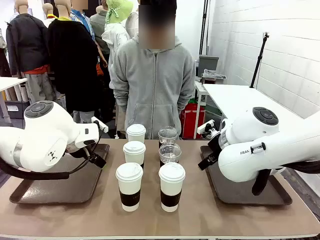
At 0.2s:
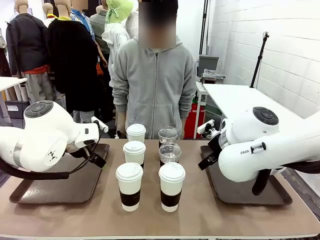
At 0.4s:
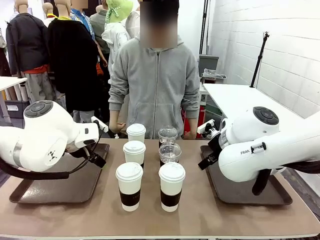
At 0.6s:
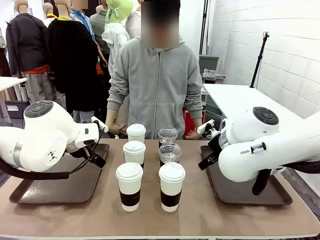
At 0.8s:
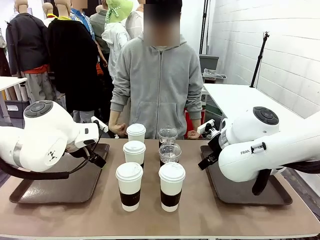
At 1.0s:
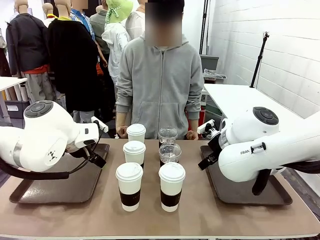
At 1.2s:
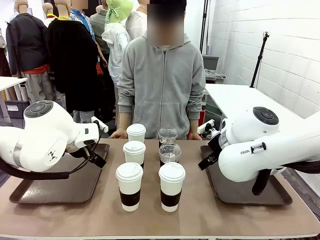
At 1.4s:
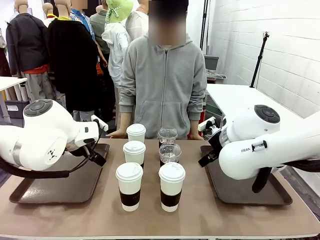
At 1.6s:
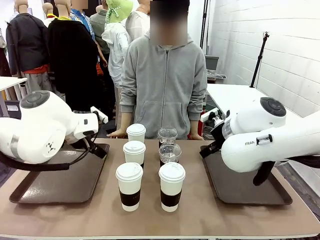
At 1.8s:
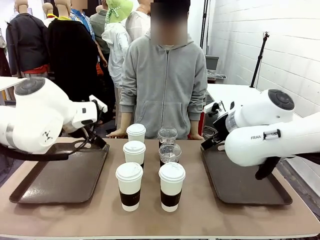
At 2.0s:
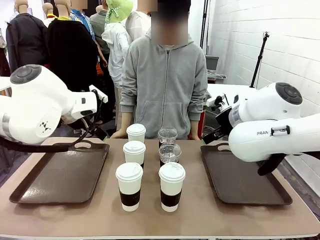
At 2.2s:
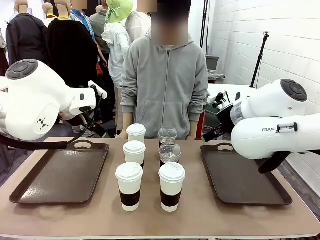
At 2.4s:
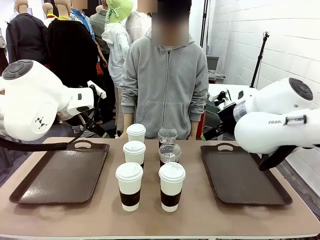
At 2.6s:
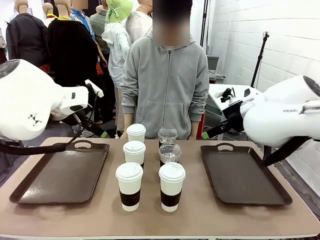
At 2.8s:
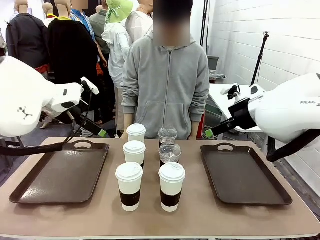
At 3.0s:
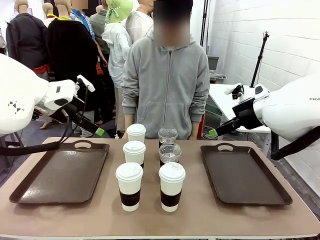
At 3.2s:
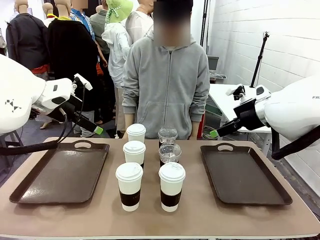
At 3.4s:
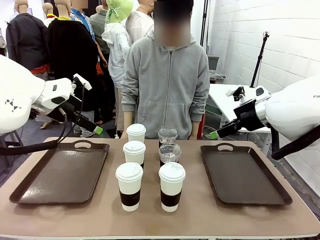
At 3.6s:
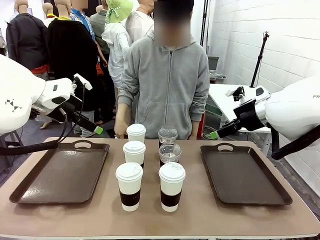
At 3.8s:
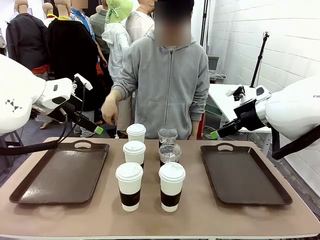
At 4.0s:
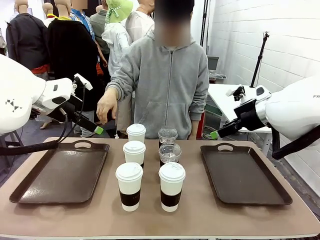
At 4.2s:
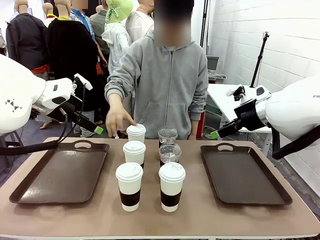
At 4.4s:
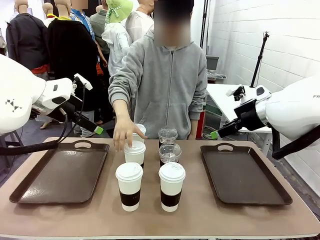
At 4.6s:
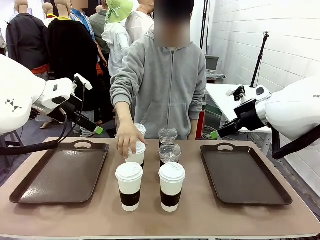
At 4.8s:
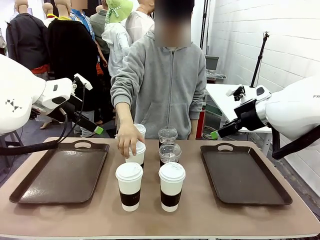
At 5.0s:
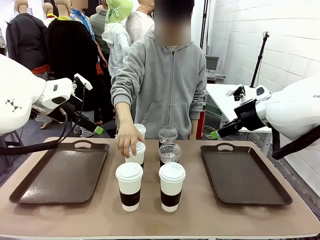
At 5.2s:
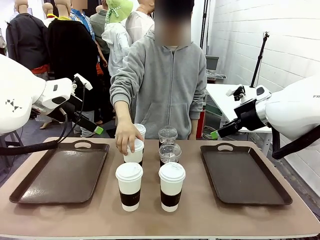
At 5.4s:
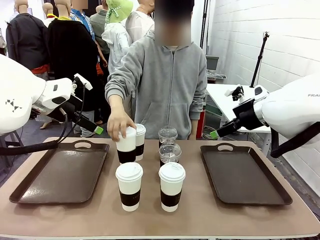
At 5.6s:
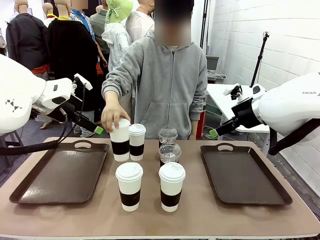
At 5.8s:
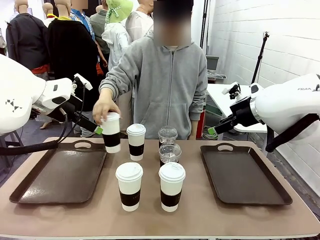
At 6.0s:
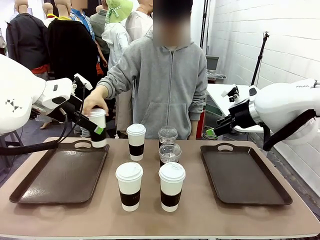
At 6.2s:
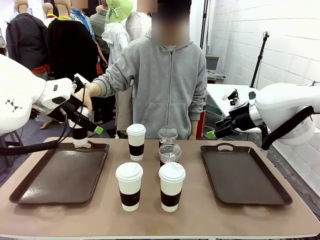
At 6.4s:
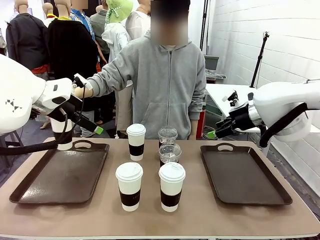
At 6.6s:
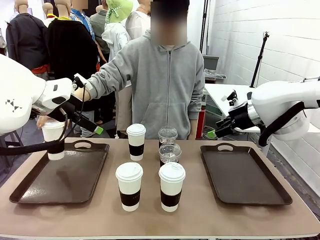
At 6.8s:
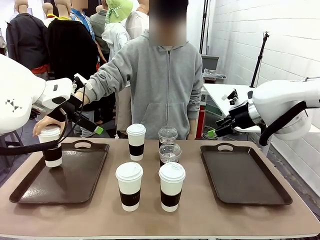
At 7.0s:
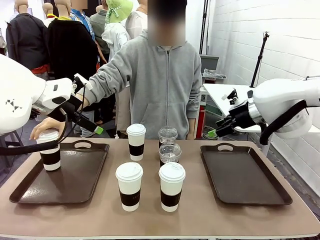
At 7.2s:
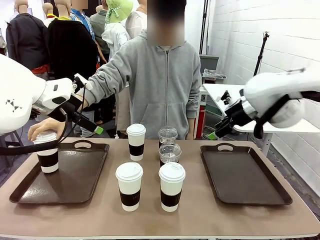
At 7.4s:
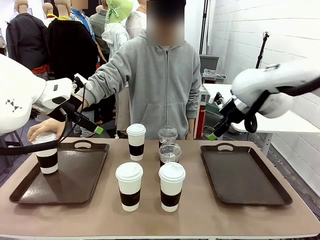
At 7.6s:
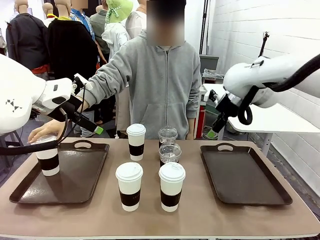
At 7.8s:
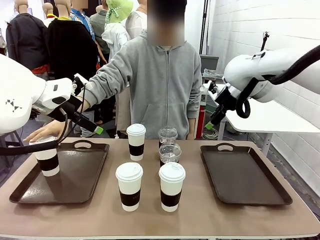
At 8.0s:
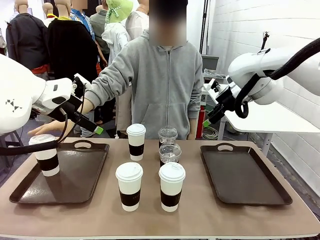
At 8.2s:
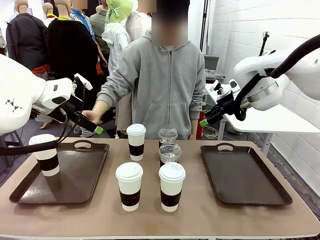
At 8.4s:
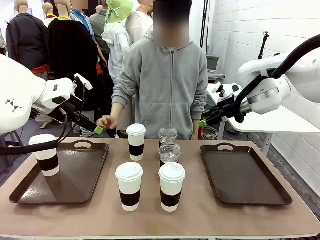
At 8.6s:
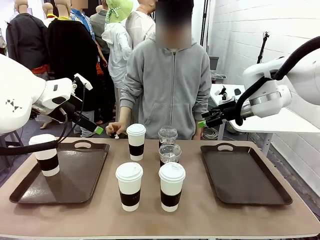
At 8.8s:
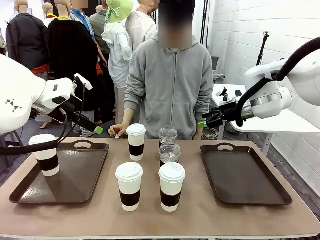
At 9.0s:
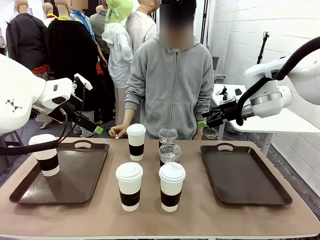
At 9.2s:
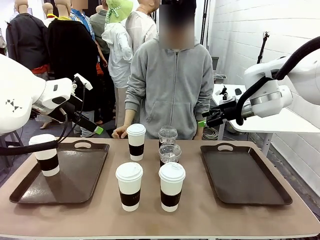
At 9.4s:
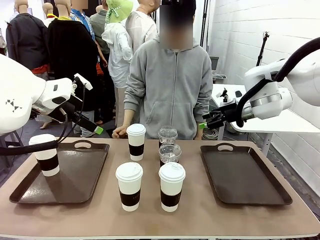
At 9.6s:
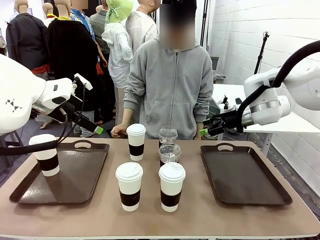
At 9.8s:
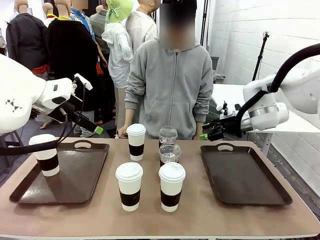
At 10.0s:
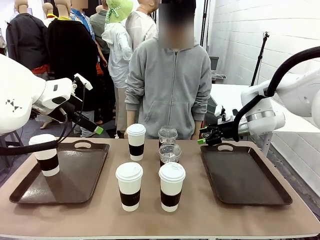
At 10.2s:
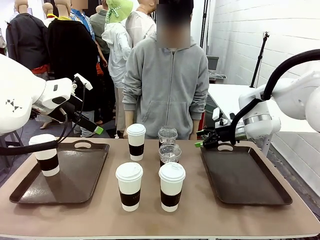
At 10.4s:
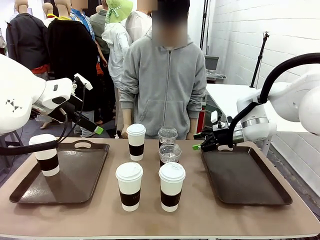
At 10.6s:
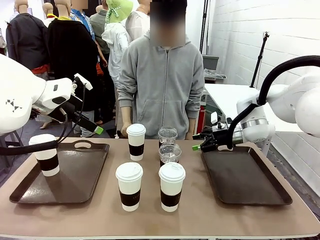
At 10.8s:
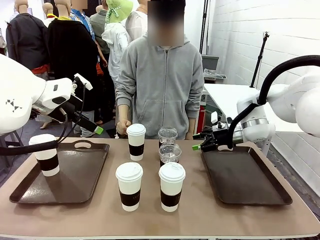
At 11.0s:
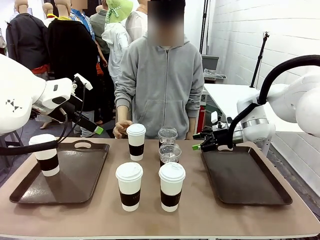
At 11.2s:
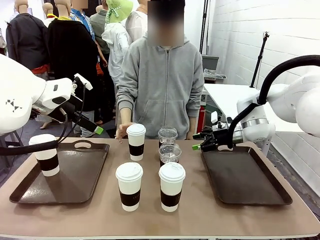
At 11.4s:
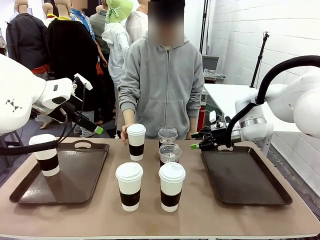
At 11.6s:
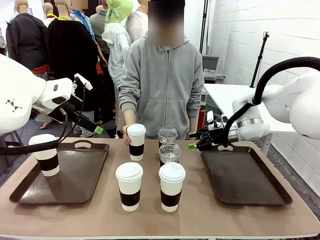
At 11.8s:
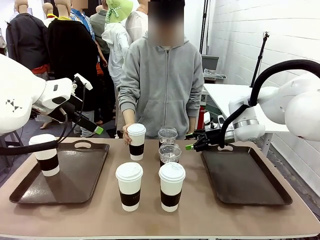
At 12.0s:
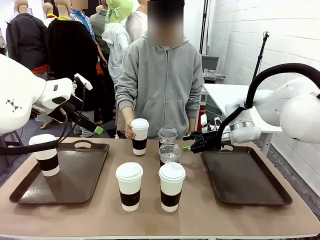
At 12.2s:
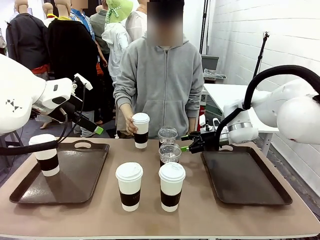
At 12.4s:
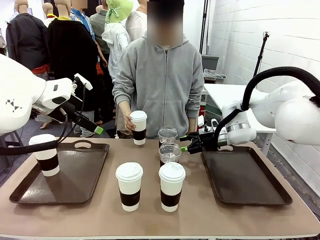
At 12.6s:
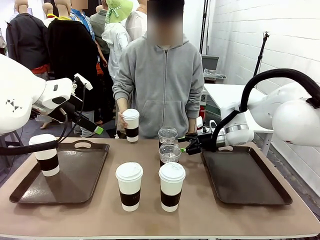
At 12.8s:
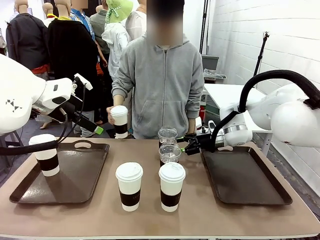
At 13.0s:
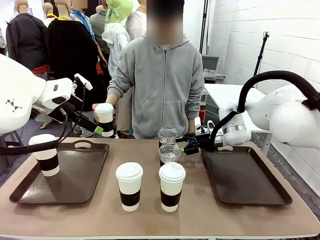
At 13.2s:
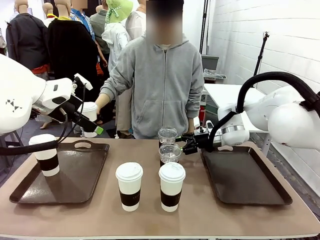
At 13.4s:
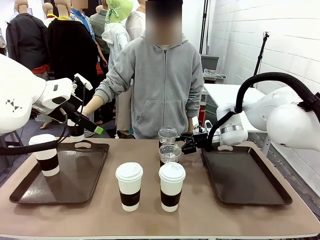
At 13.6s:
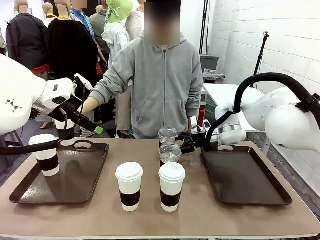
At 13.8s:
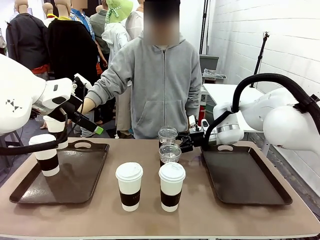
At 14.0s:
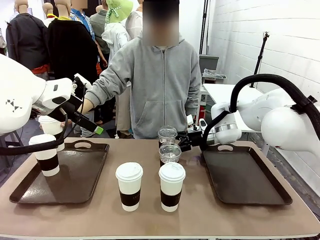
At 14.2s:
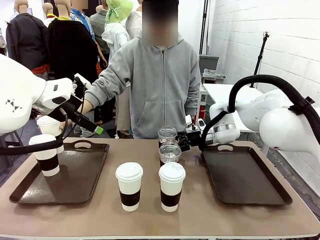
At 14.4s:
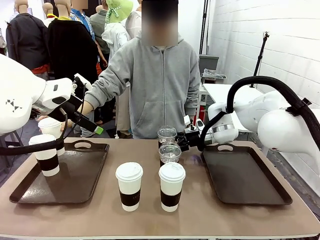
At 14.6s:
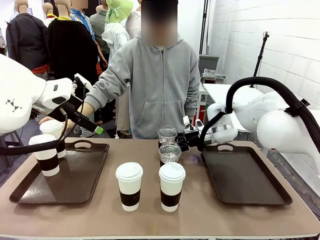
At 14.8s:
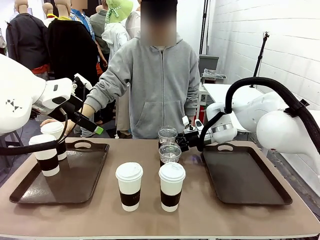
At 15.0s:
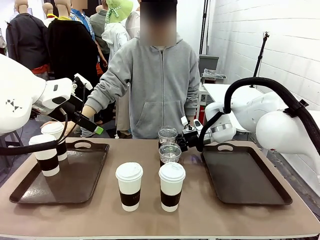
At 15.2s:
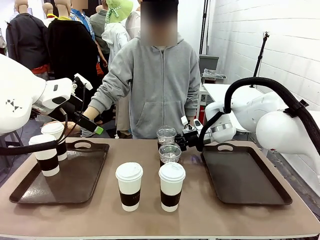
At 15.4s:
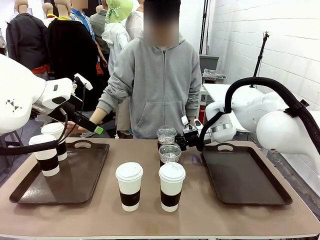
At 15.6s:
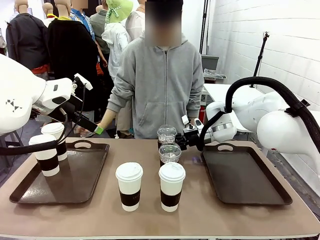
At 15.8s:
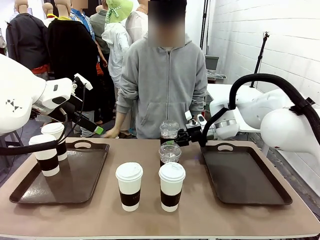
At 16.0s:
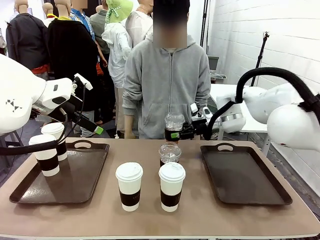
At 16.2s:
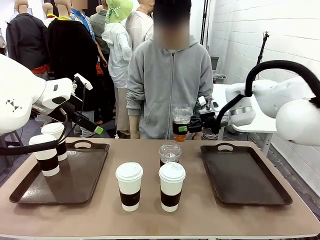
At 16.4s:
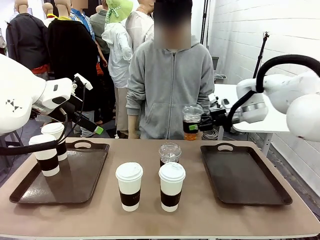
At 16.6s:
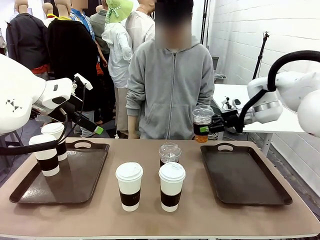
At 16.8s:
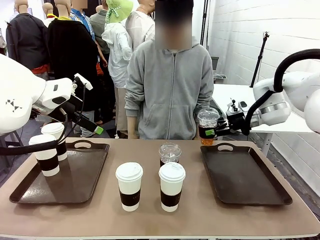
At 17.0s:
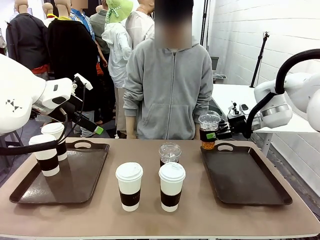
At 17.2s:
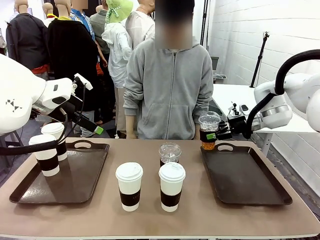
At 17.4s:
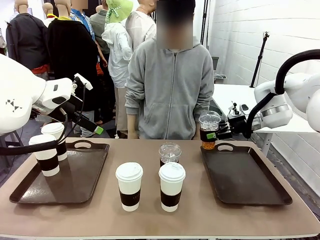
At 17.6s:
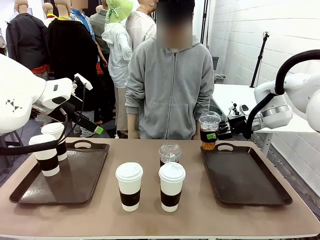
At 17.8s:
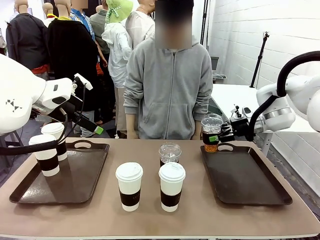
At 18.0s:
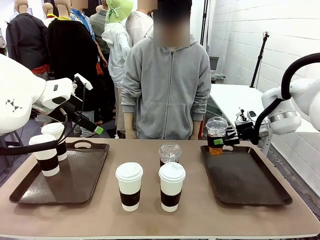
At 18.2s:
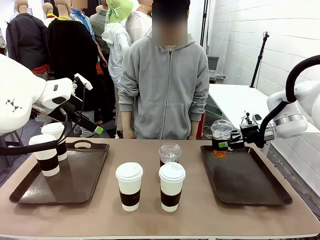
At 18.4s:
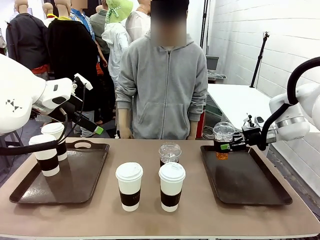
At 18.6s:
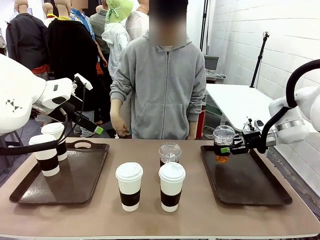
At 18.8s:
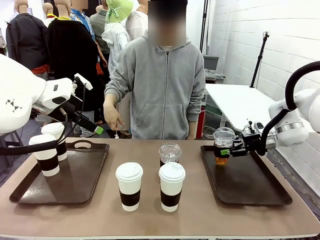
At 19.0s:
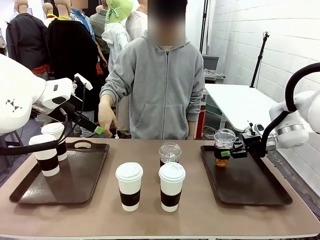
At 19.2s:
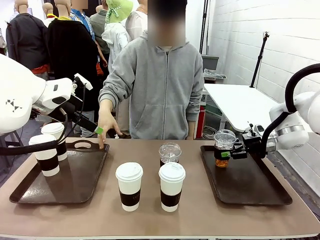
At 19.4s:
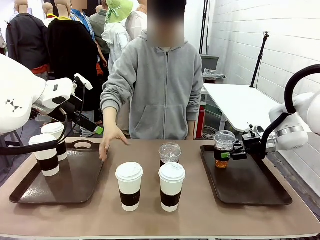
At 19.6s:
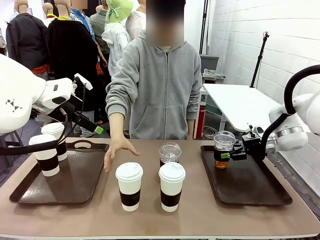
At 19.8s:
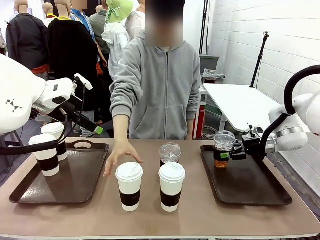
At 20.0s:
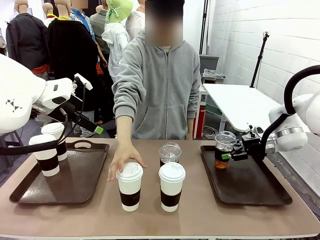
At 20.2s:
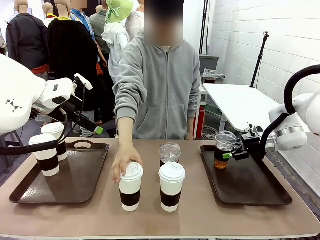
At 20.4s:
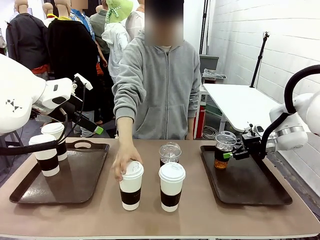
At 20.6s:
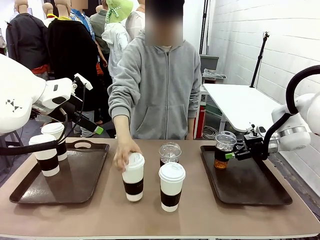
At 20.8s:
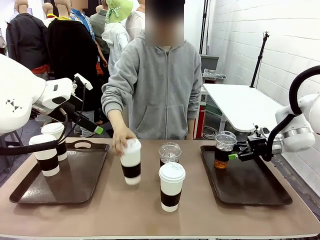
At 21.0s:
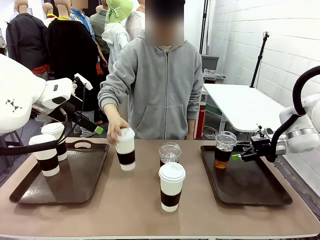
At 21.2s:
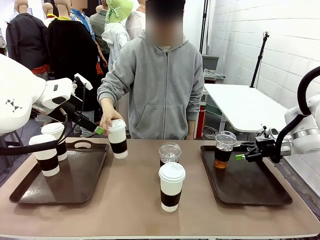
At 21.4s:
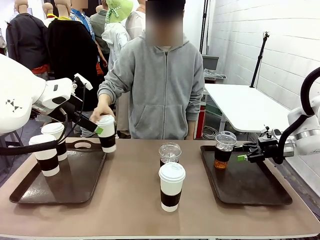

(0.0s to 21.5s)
Task: Distribute the coffee onto the tray.
Robot: Pick up one iced Americano and place it on the right Handle tray.
Person: Pick up a cup of hot Americano and place it on the right tray.
